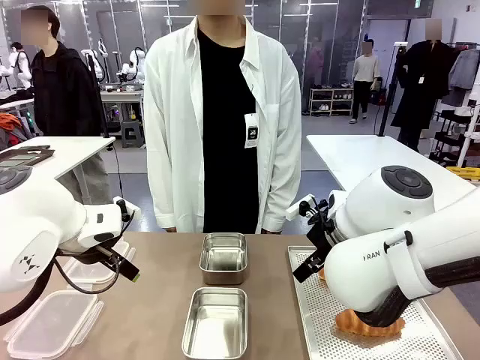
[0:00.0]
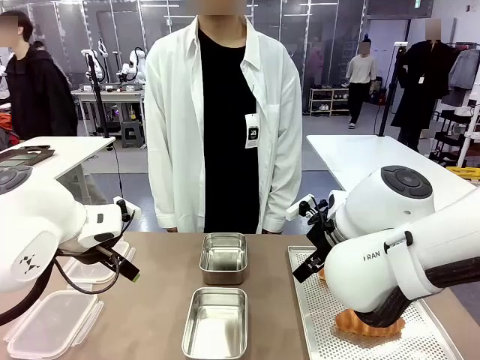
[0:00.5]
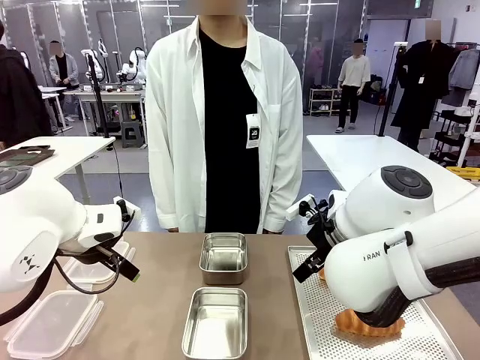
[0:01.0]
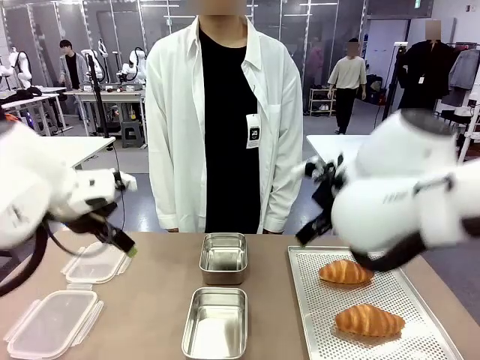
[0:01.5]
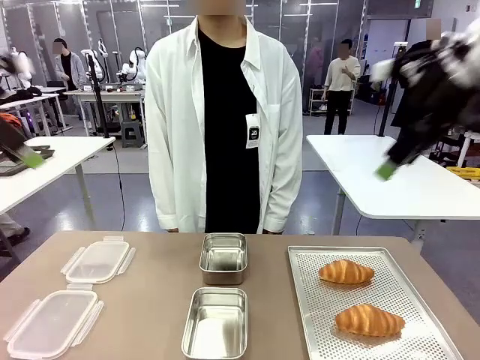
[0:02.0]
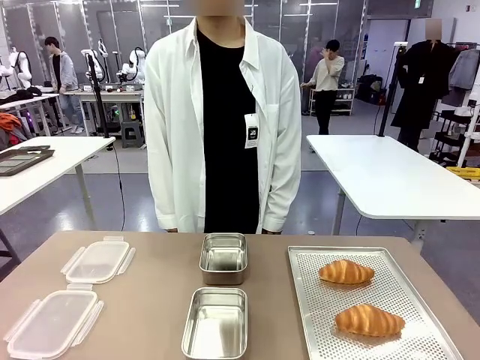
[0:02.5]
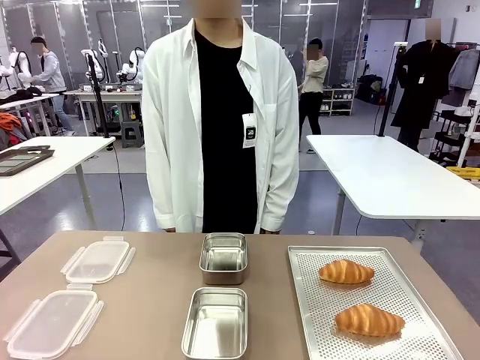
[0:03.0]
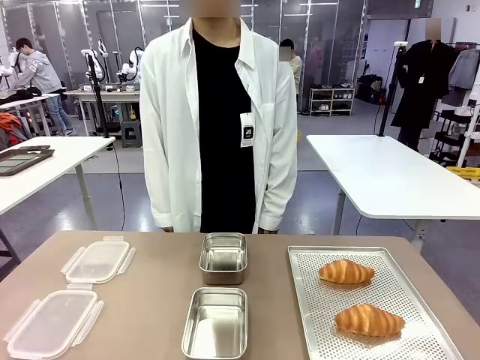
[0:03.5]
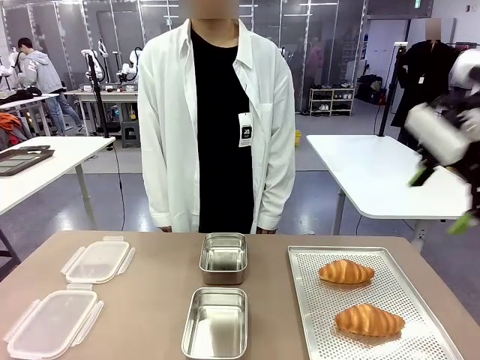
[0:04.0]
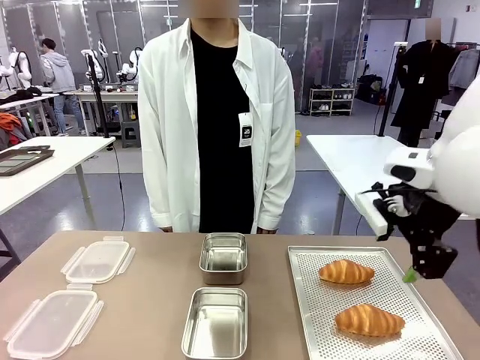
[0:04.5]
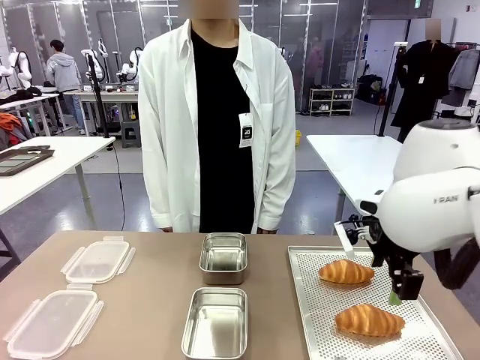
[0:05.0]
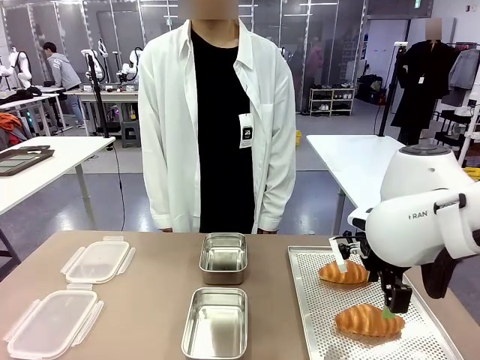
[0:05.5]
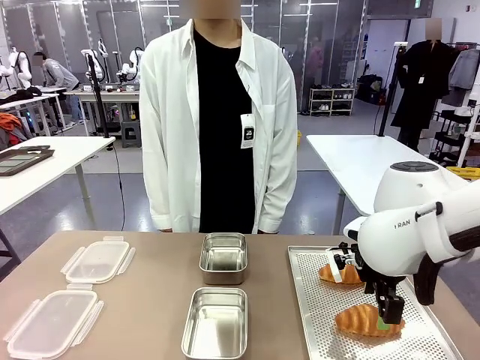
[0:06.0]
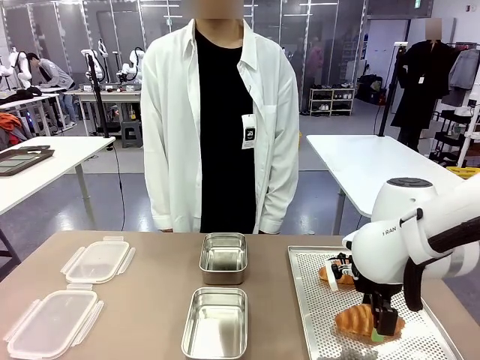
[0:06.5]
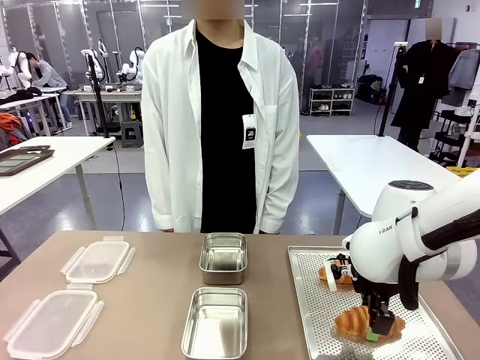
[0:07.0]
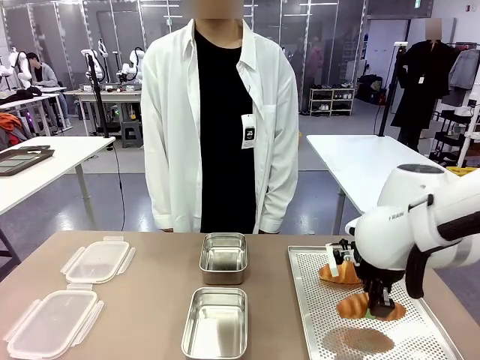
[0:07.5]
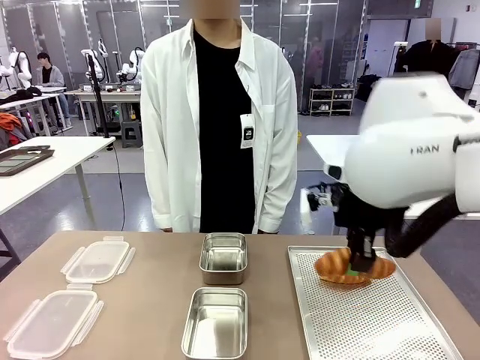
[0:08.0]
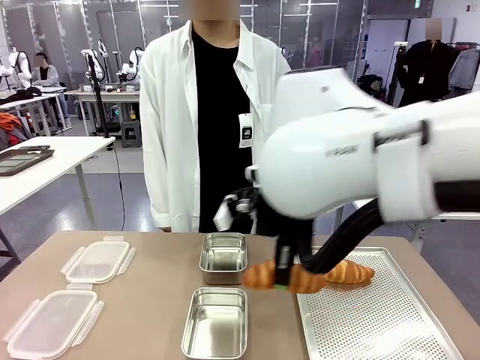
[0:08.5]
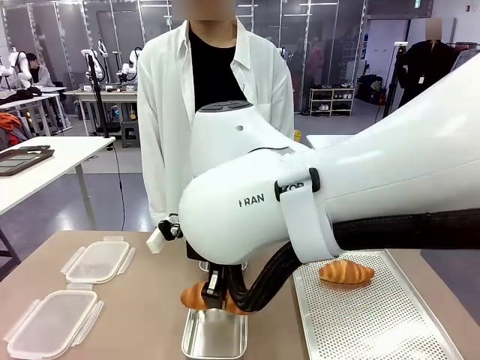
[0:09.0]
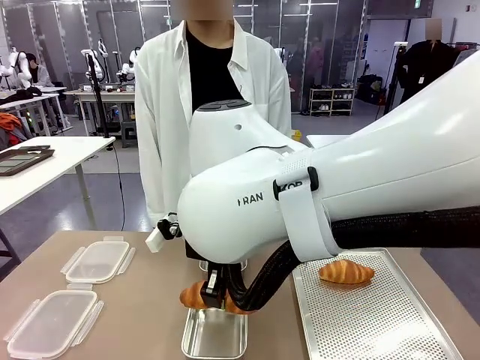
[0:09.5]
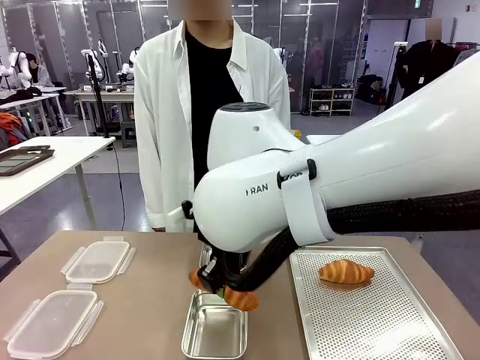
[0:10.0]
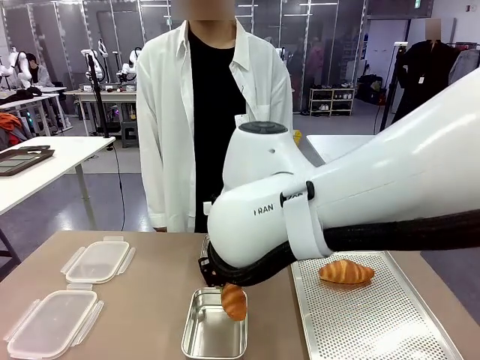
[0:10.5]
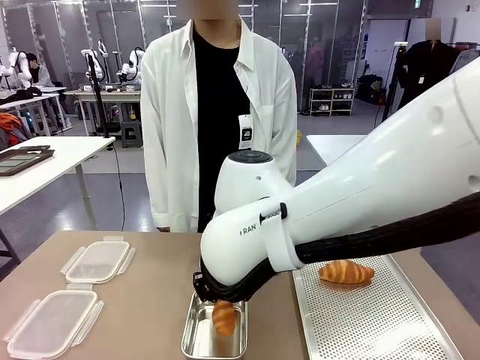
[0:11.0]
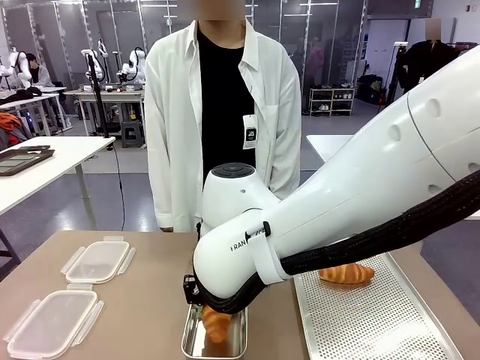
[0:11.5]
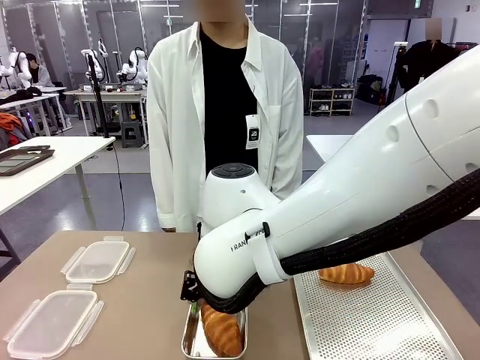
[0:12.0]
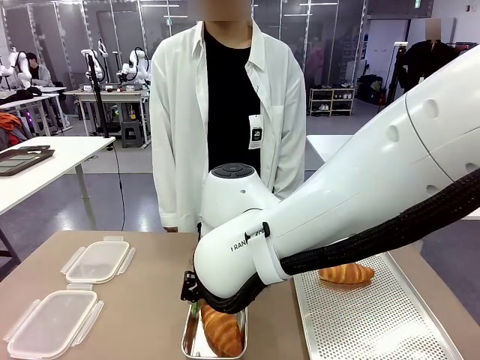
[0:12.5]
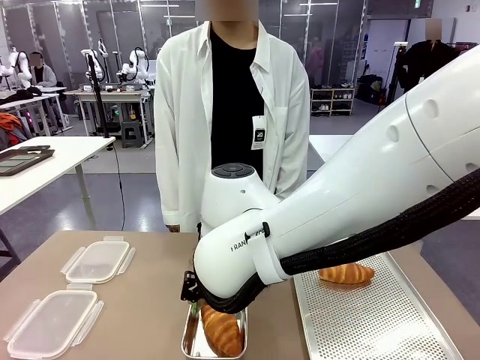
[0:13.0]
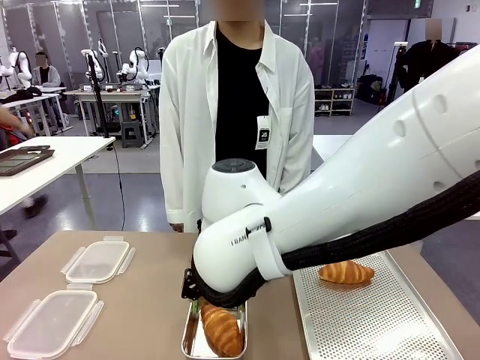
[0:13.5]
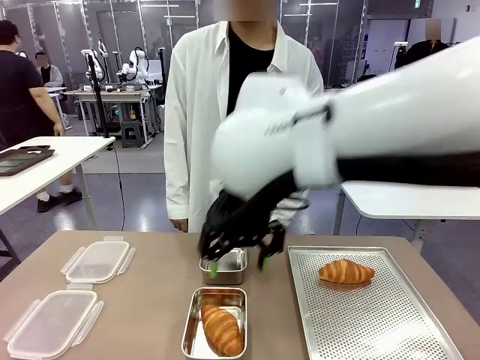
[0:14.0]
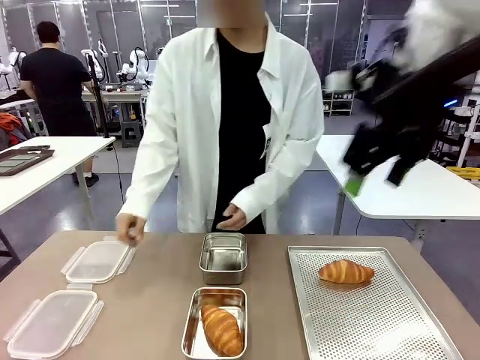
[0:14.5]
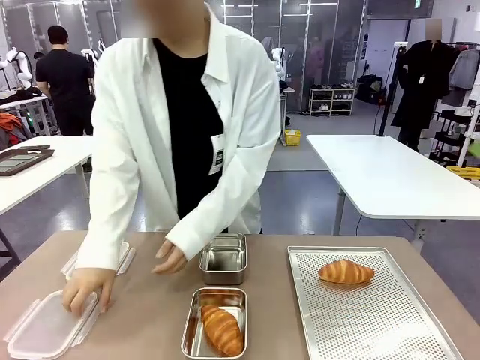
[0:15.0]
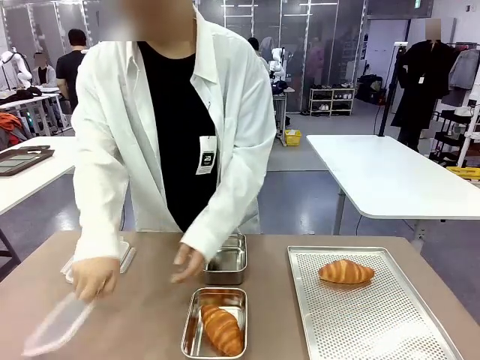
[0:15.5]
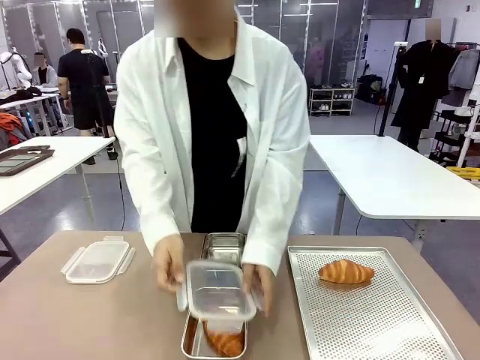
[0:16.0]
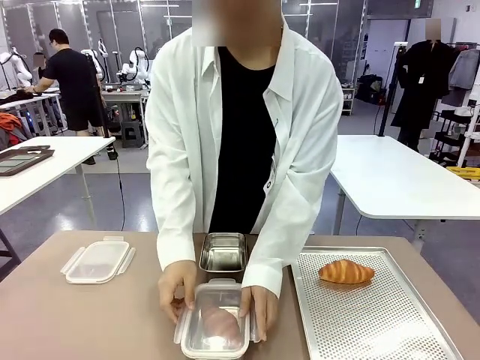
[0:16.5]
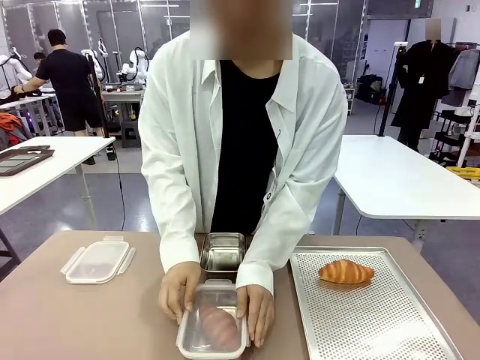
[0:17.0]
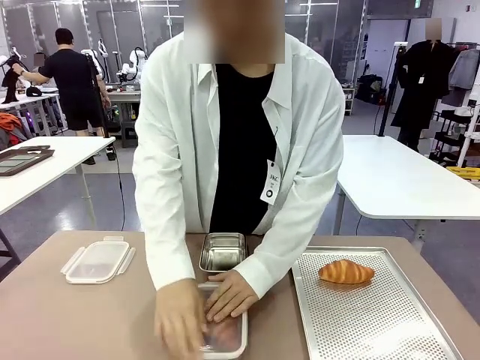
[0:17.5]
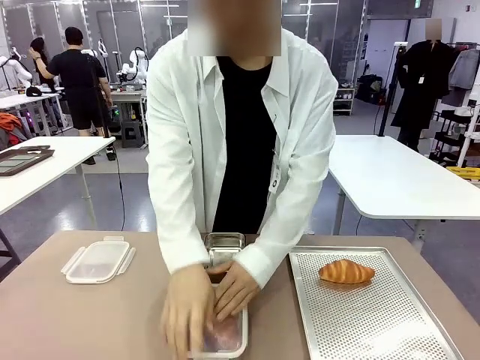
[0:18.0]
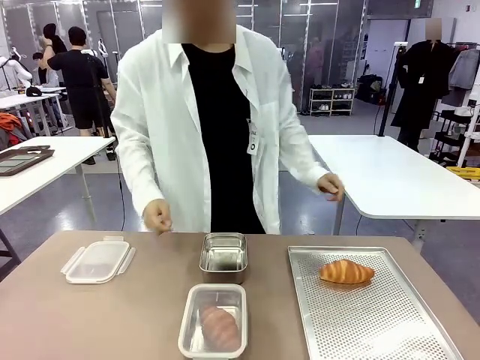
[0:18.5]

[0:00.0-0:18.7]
Task: Place the bread into the airtight container.
Robot: Pick up a Butter Roll and place it into an empty Airtight Container.
